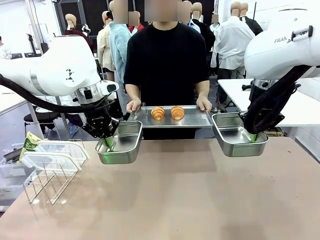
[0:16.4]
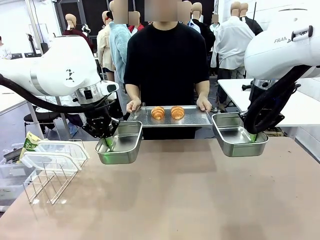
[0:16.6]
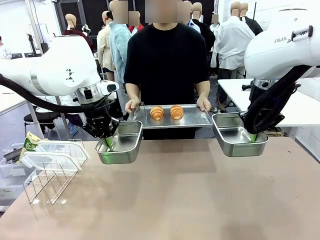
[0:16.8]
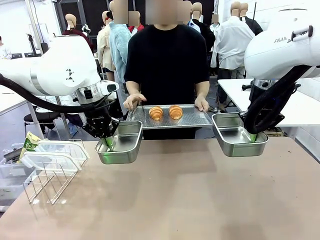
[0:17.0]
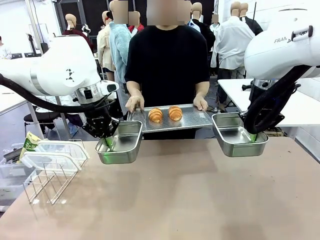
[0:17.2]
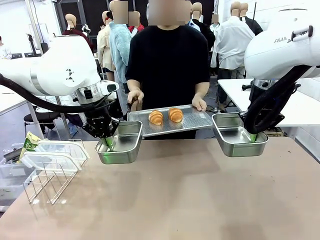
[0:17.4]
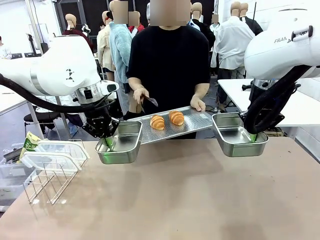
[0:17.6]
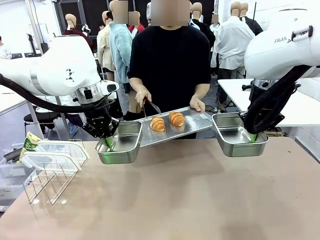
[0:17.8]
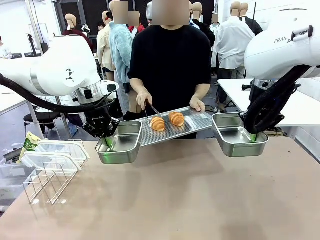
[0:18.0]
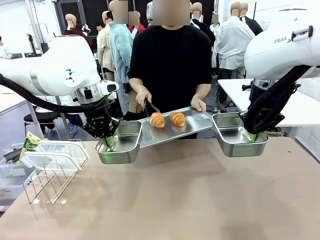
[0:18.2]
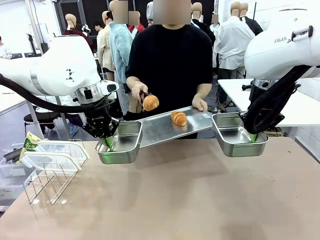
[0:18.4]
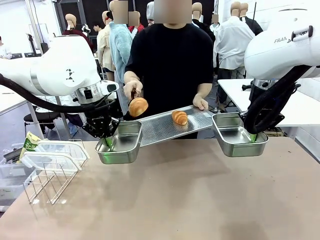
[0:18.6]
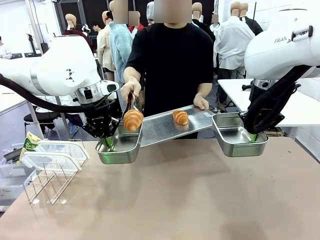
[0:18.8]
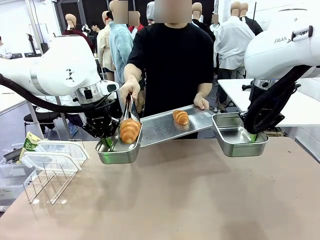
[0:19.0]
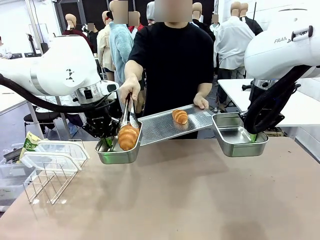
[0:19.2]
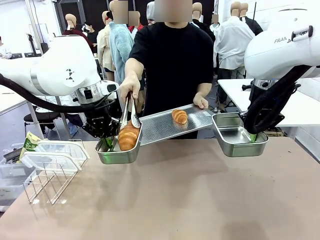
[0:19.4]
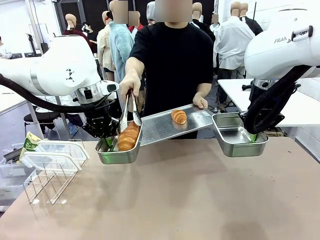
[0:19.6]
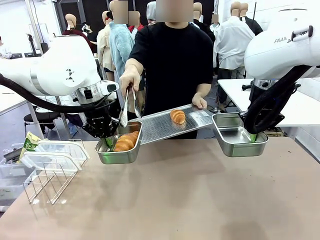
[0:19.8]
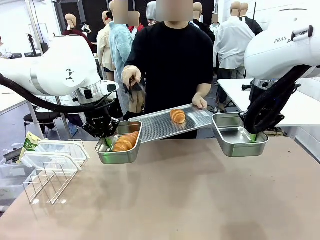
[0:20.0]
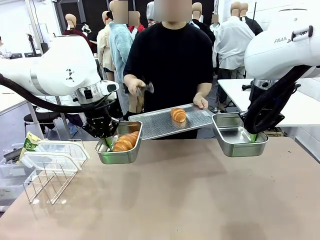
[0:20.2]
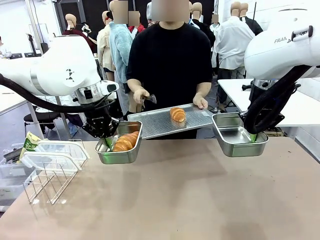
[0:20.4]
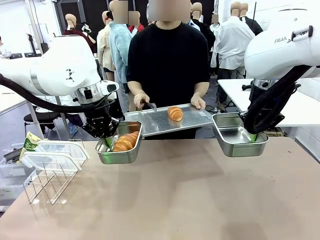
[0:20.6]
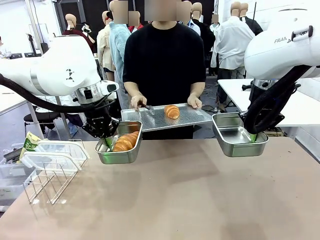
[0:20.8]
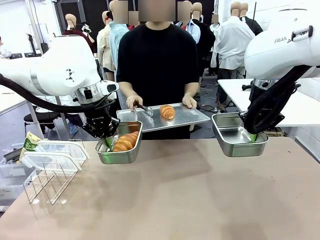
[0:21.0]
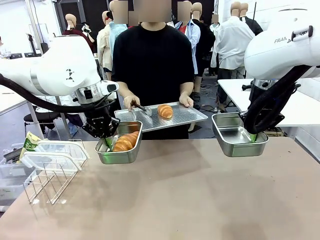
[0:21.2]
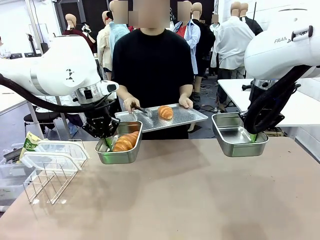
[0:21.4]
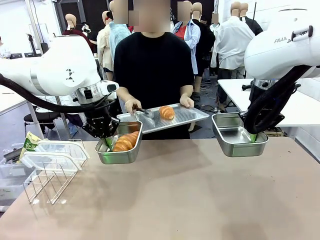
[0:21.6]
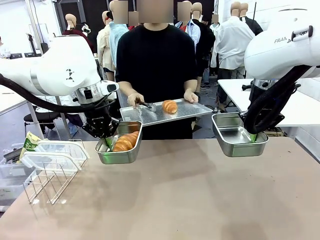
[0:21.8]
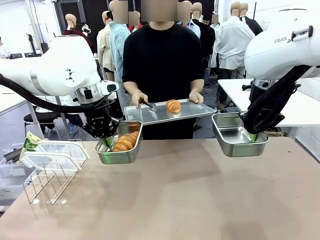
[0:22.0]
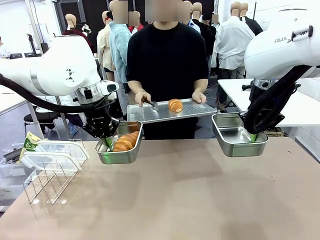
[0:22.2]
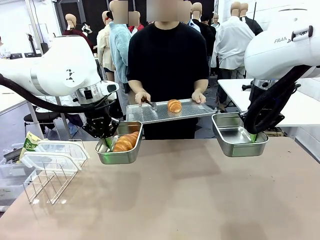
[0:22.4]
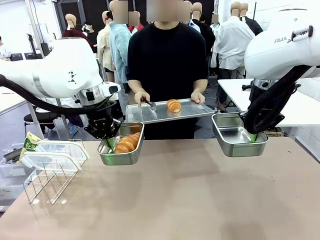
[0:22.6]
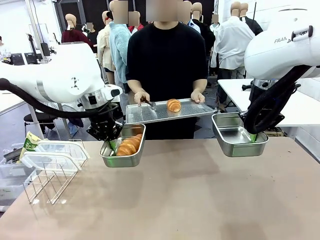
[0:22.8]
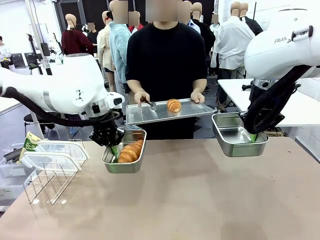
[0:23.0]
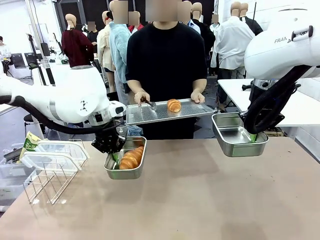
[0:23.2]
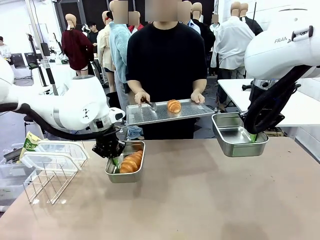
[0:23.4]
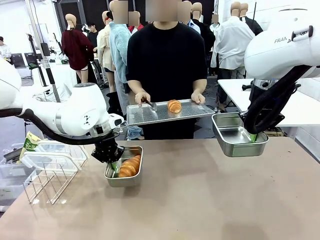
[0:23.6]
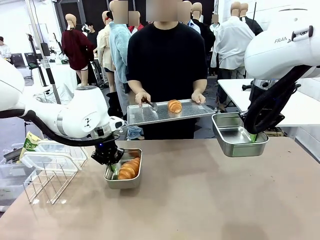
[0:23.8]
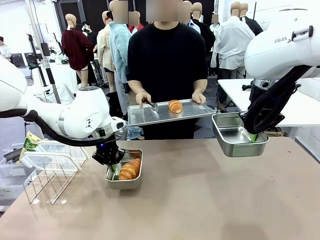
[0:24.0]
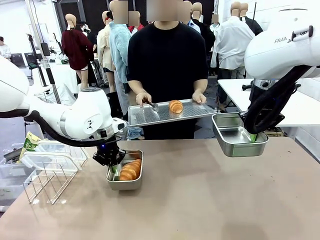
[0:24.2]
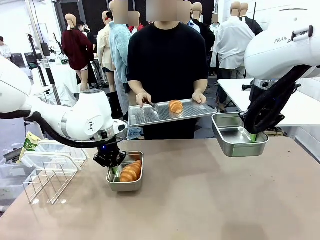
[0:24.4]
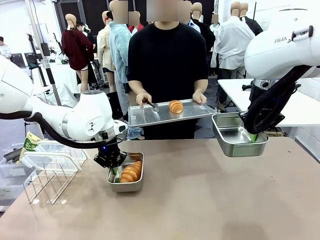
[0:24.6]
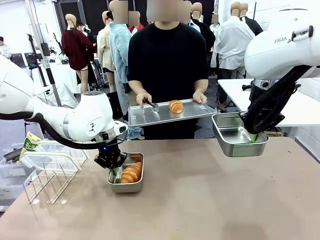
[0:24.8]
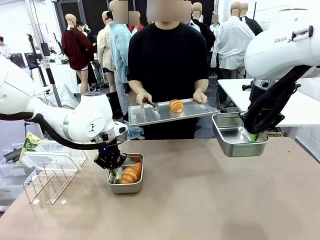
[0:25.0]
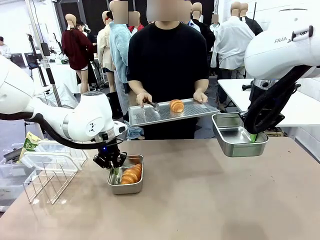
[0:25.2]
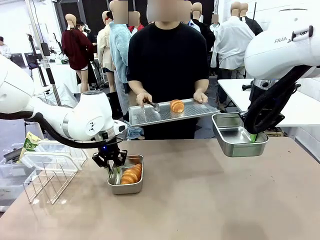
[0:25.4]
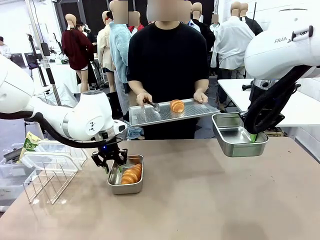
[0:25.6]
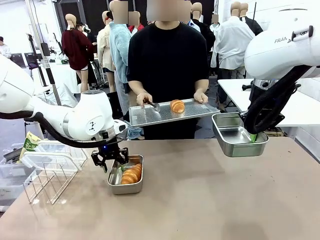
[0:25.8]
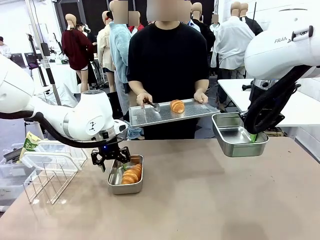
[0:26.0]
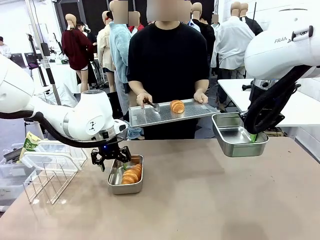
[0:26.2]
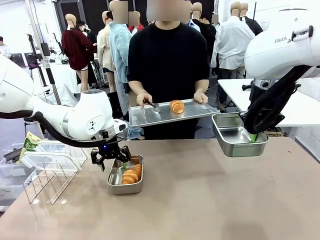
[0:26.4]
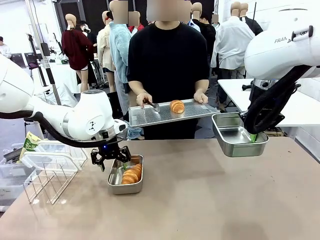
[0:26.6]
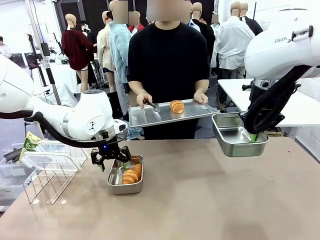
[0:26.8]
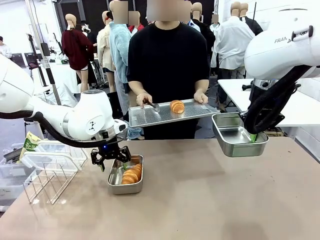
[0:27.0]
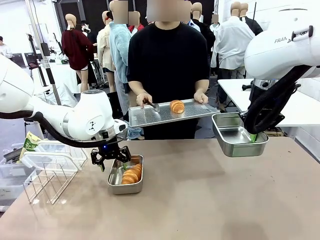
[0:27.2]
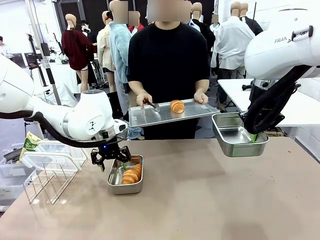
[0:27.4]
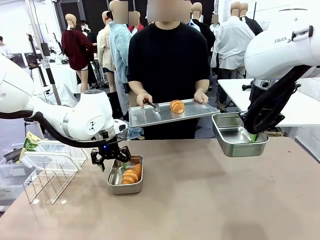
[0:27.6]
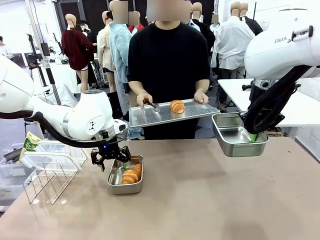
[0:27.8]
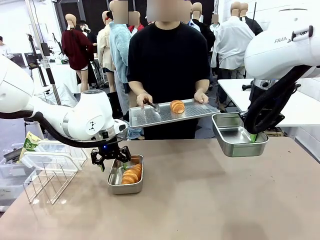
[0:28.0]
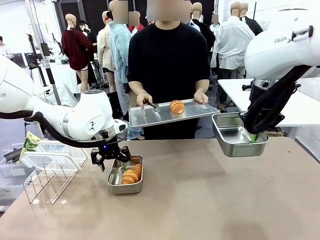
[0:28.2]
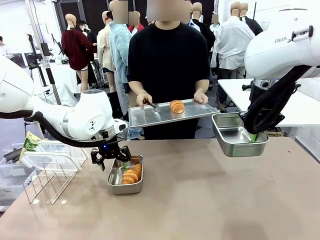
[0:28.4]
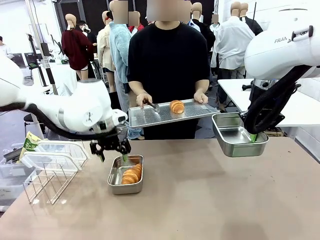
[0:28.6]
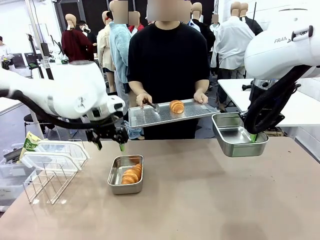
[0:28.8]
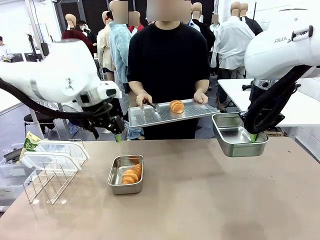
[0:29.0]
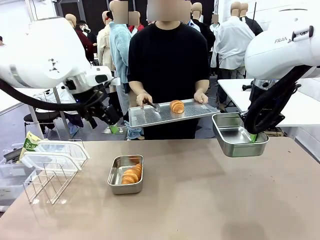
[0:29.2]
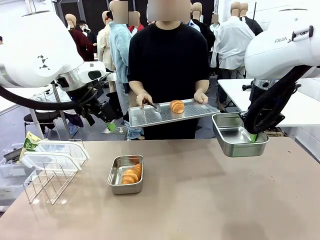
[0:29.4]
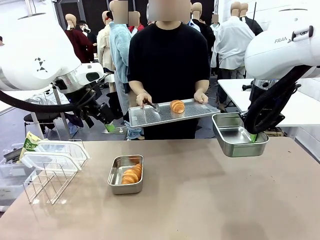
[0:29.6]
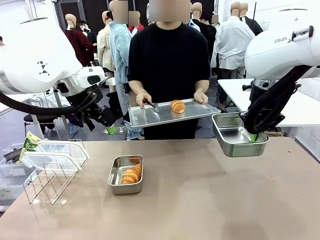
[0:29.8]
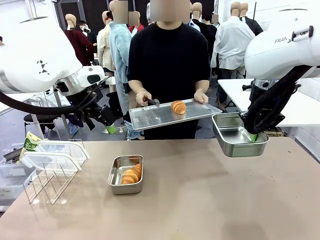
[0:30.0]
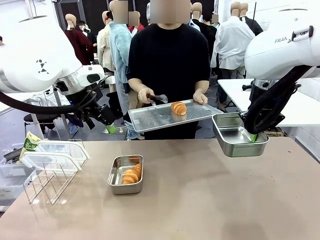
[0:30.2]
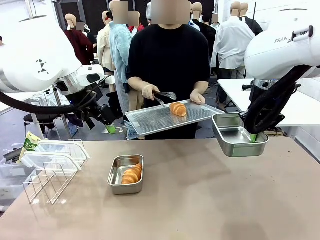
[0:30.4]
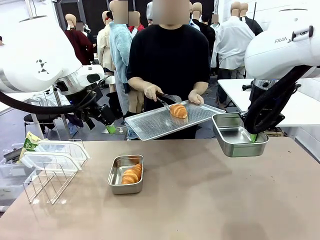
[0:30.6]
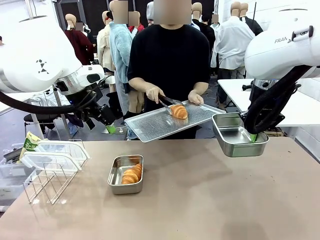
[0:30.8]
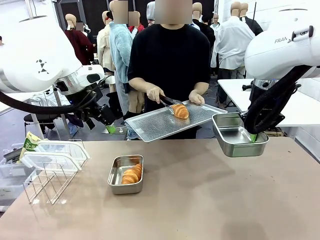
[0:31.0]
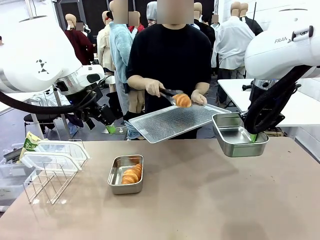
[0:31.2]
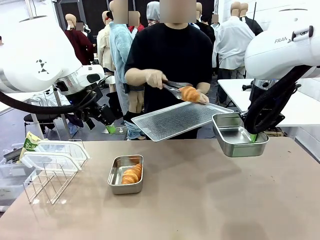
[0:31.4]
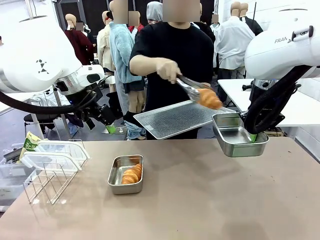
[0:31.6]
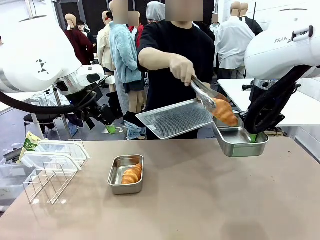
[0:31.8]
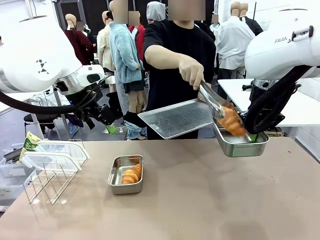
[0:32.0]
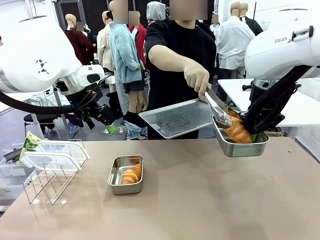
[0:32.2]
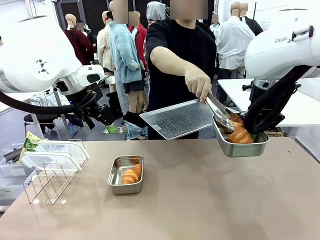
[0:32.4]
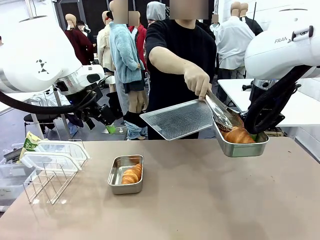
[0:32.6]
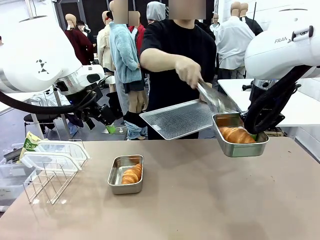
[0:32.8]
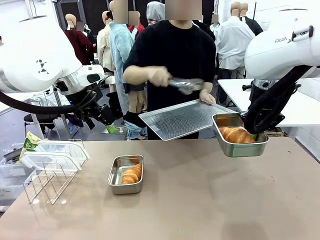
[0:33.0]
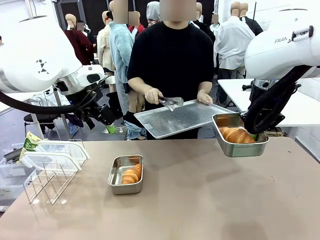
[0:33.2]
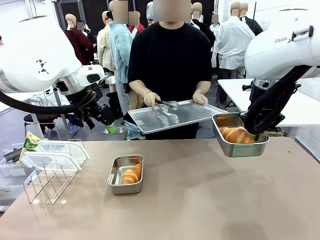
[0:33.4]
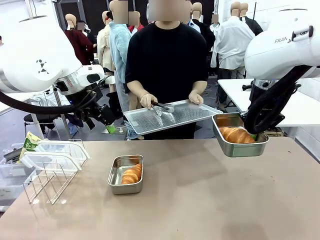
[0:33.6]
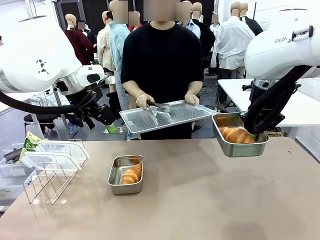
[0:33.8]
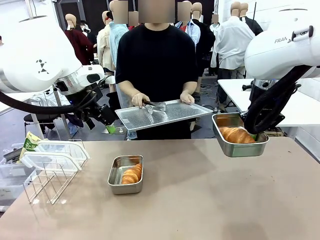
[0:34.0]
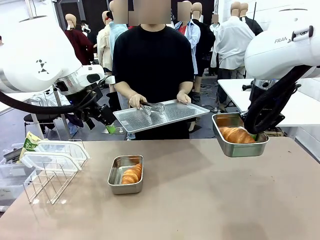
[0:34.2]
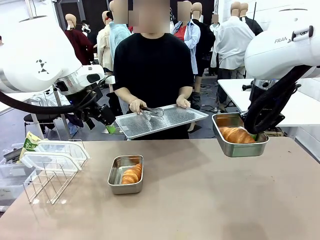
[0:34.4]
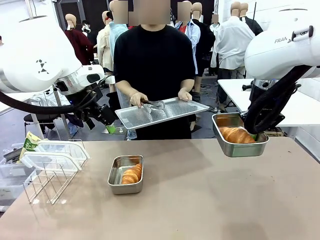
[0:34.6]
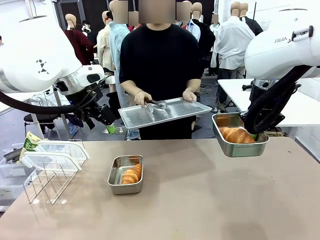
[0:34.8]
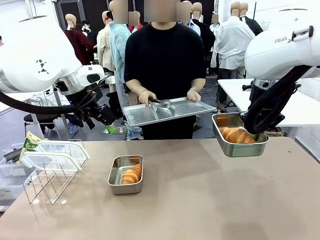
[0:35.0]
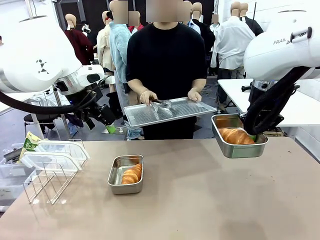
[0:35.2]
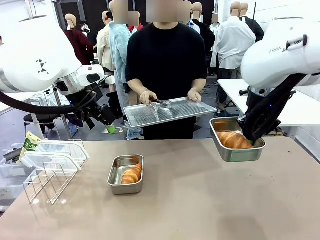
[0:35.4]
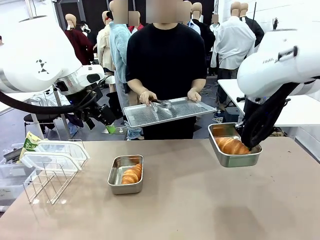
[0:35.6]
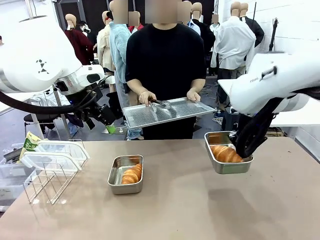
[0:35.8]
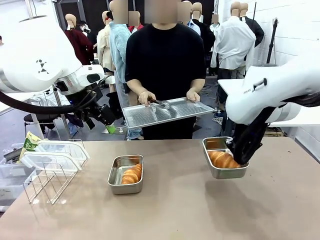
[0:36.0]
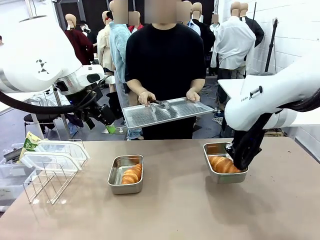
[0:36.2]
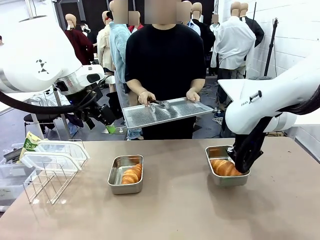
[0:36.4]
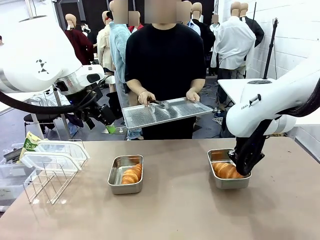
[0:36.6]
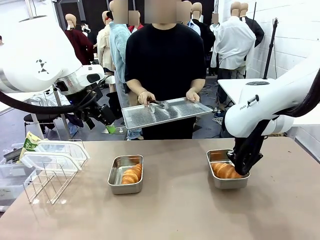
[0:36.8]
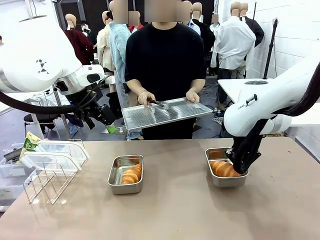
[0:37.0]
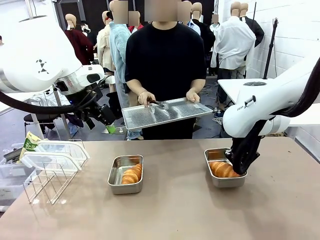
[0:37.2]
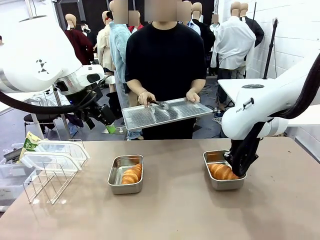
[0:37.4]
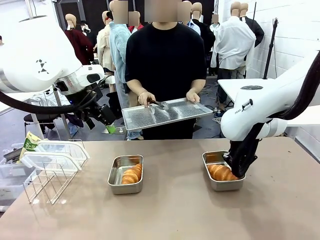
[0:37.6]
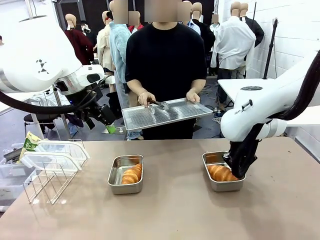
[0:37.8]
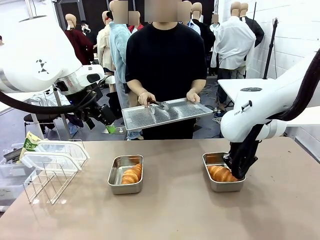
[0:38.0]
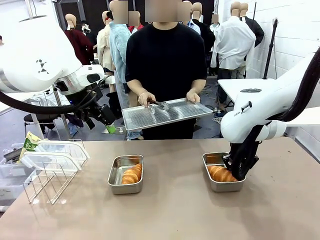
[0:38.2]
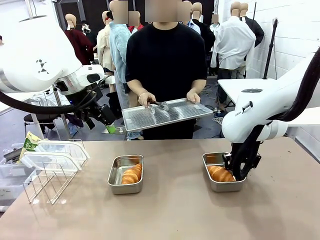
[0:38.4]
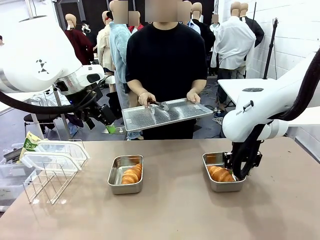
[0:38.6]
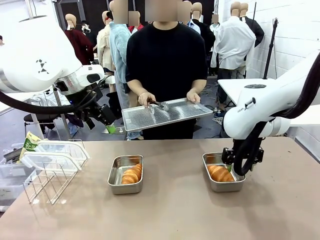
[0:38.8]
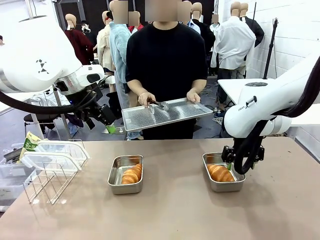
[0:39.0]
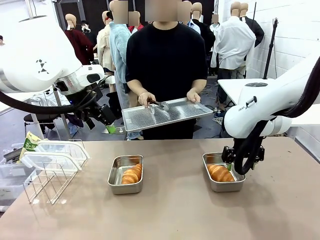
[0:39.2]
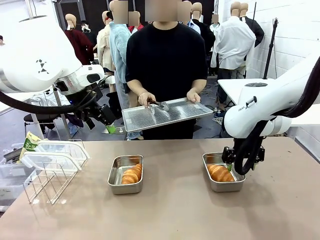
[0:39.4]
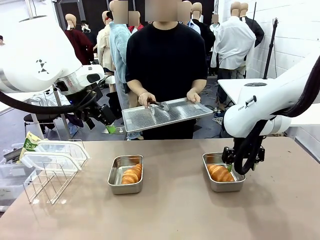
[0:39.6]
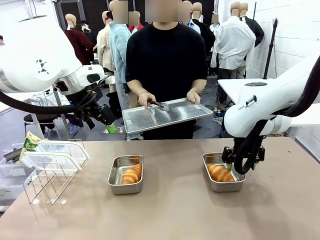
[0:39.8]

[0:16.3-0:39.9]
Task: Place the bread in airtight containers.
Robot: Once an object is inside an Airtight Container , place the container in the center of the table.
Person: Use the Stainless steel tongs to place one object from Baking Sheet into one Airtight Container. Place Baking Sheet on the Human's Table.
